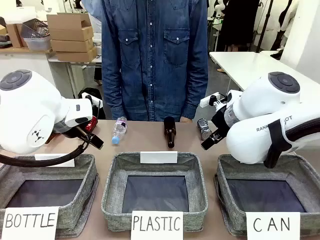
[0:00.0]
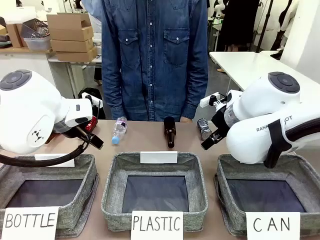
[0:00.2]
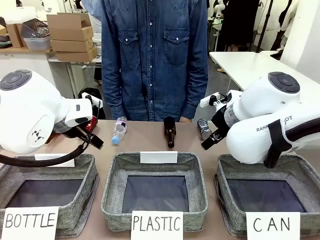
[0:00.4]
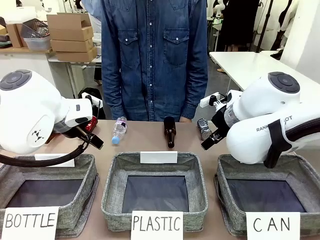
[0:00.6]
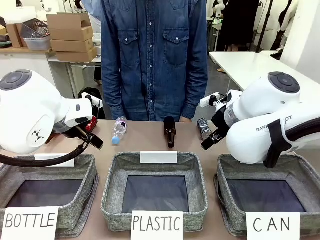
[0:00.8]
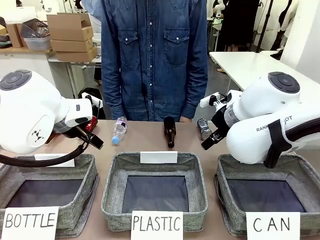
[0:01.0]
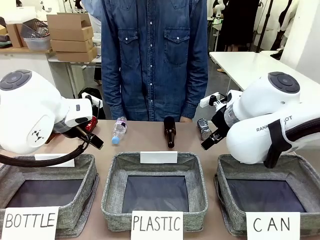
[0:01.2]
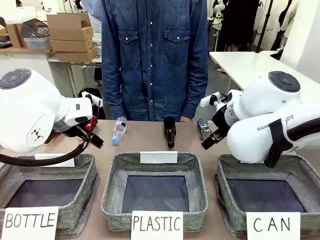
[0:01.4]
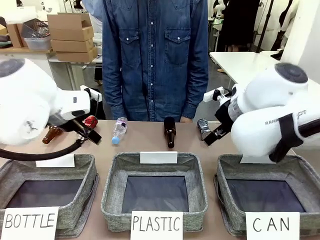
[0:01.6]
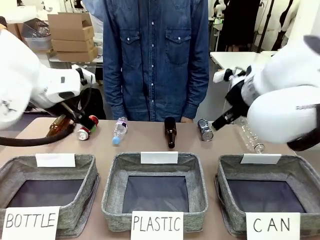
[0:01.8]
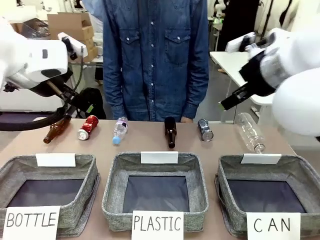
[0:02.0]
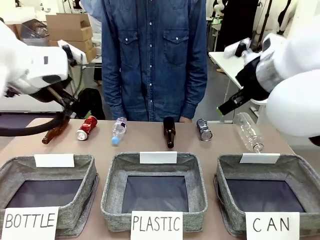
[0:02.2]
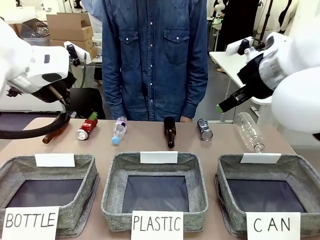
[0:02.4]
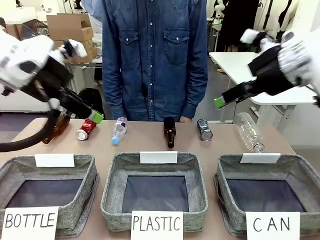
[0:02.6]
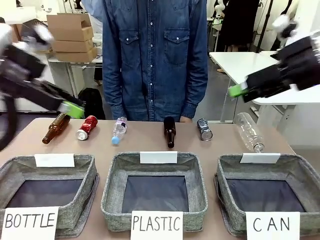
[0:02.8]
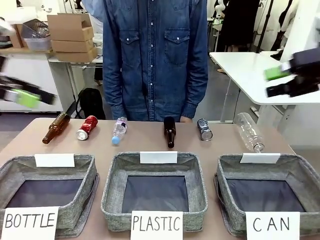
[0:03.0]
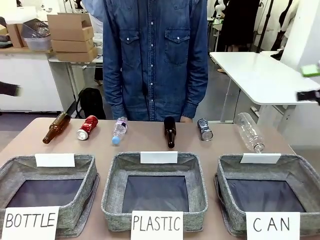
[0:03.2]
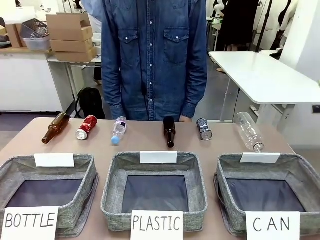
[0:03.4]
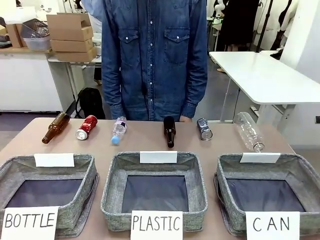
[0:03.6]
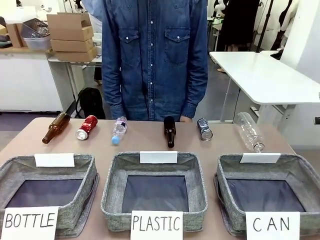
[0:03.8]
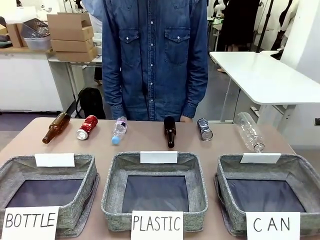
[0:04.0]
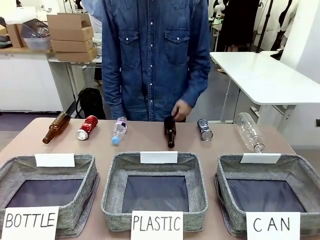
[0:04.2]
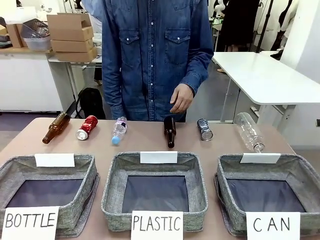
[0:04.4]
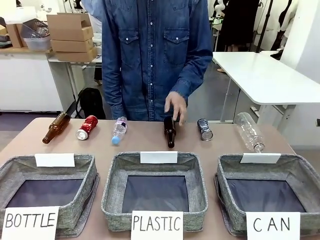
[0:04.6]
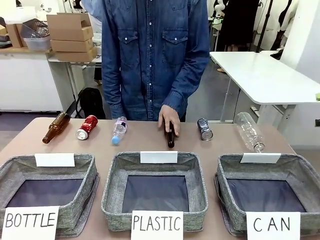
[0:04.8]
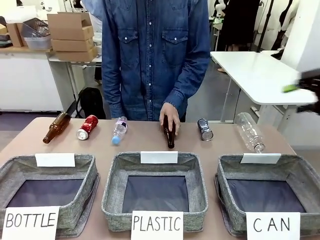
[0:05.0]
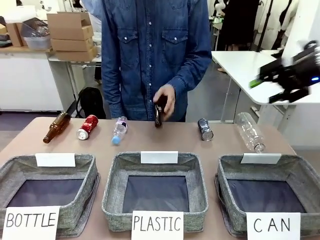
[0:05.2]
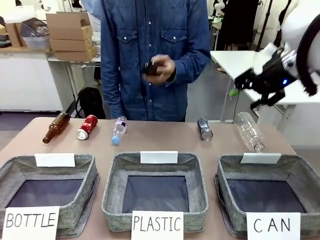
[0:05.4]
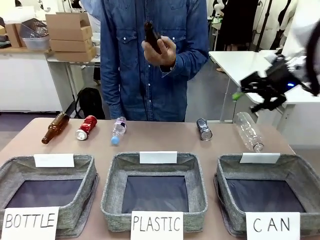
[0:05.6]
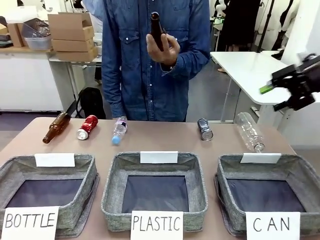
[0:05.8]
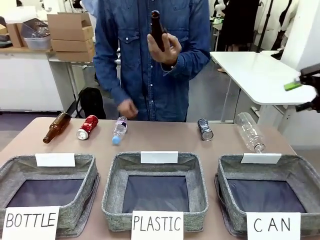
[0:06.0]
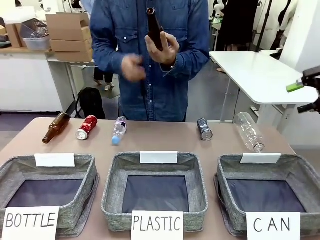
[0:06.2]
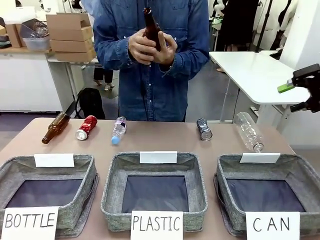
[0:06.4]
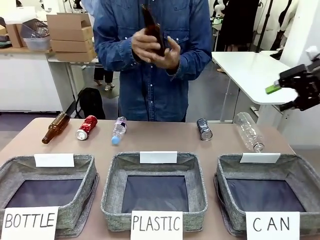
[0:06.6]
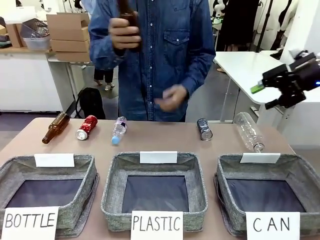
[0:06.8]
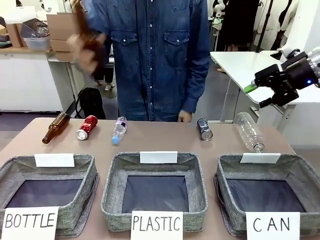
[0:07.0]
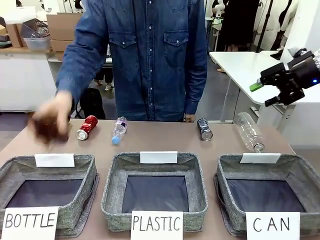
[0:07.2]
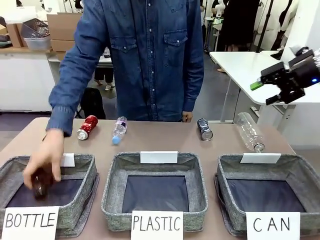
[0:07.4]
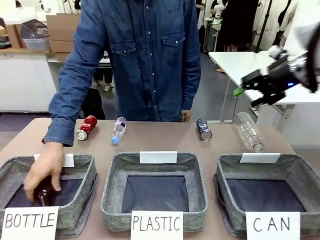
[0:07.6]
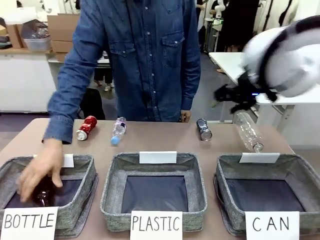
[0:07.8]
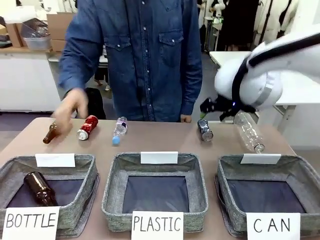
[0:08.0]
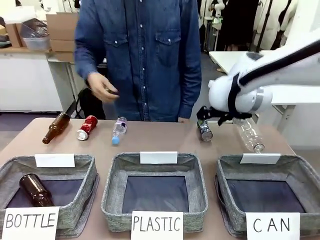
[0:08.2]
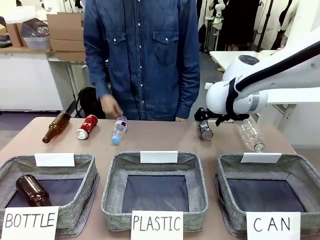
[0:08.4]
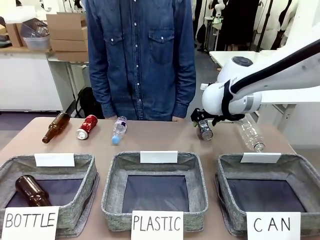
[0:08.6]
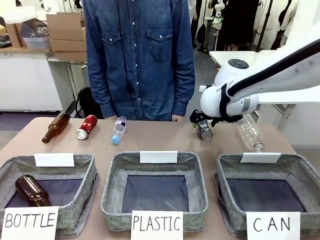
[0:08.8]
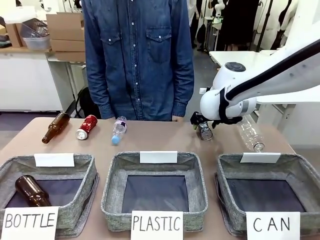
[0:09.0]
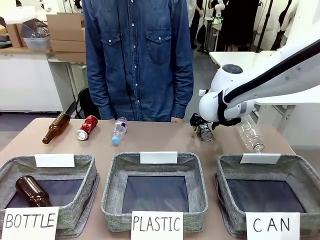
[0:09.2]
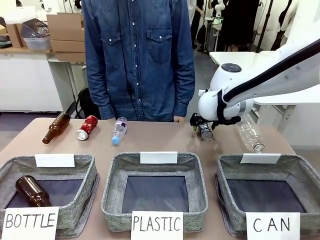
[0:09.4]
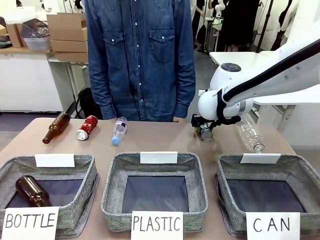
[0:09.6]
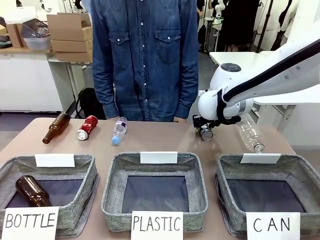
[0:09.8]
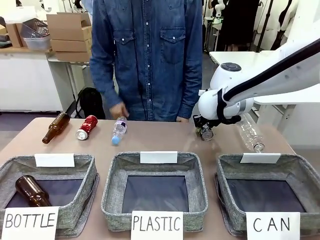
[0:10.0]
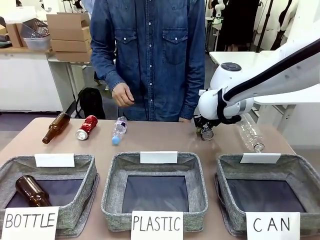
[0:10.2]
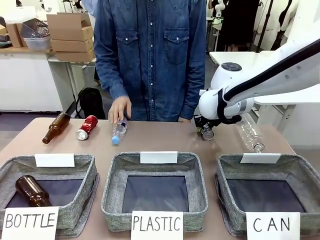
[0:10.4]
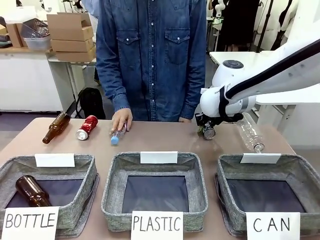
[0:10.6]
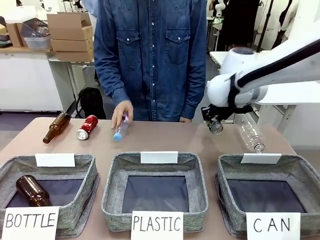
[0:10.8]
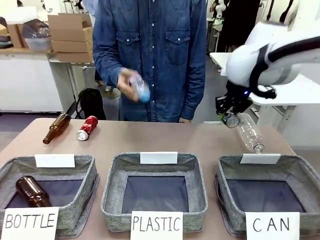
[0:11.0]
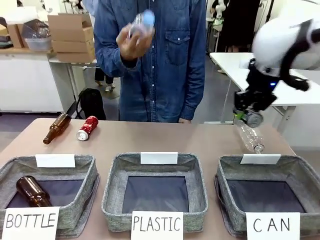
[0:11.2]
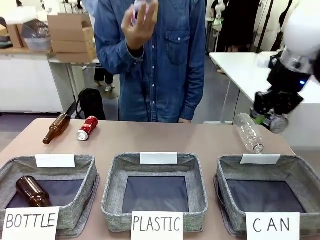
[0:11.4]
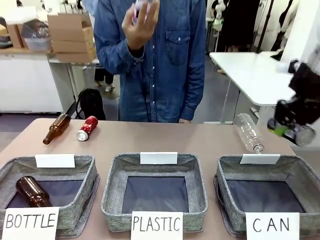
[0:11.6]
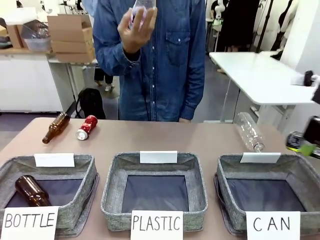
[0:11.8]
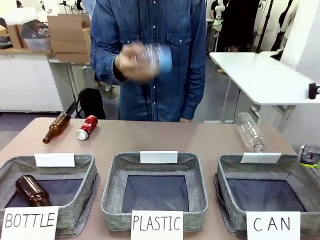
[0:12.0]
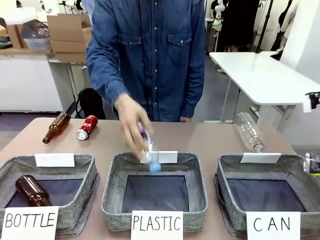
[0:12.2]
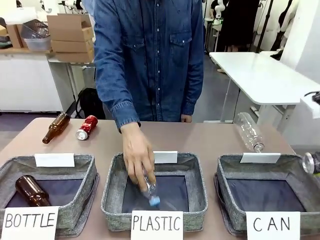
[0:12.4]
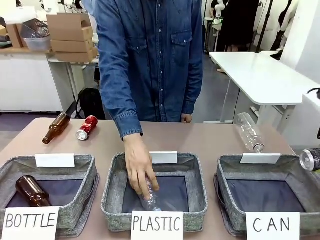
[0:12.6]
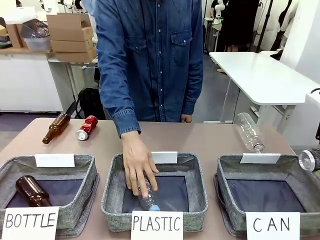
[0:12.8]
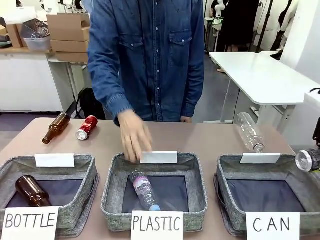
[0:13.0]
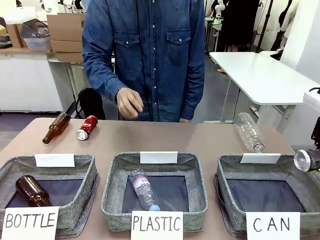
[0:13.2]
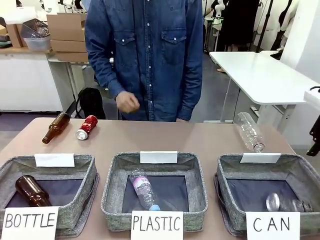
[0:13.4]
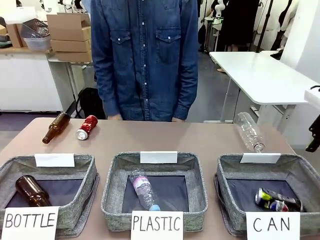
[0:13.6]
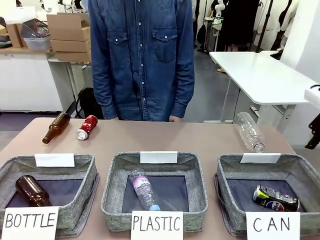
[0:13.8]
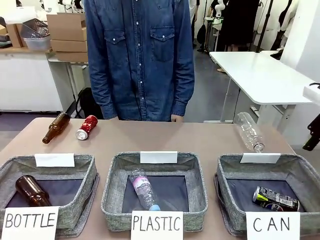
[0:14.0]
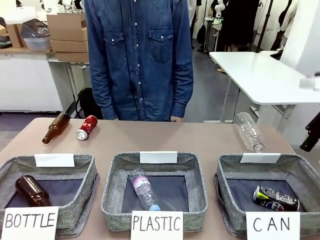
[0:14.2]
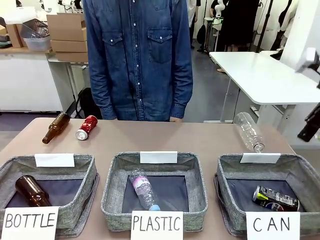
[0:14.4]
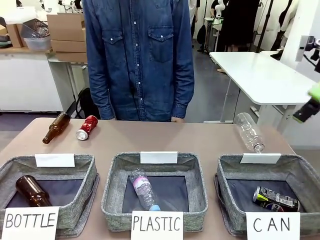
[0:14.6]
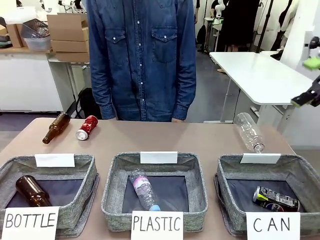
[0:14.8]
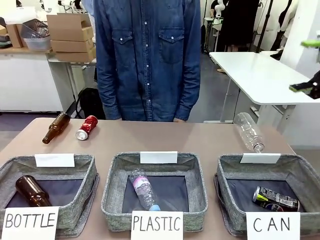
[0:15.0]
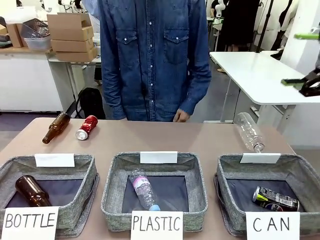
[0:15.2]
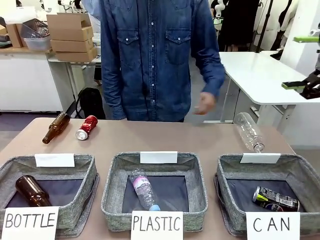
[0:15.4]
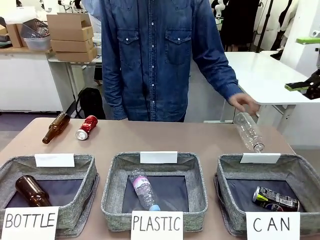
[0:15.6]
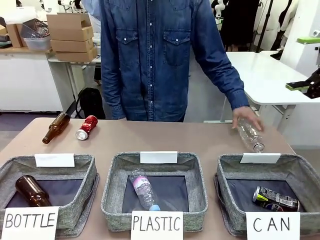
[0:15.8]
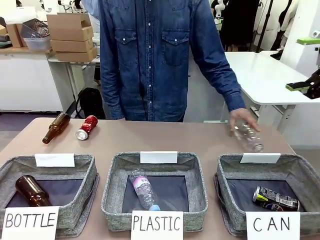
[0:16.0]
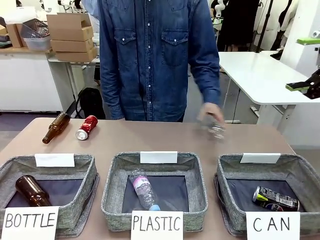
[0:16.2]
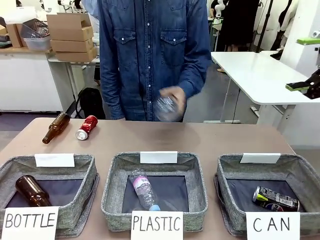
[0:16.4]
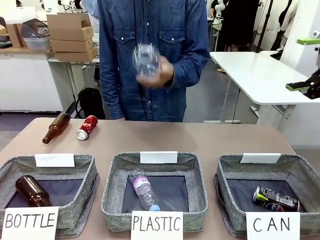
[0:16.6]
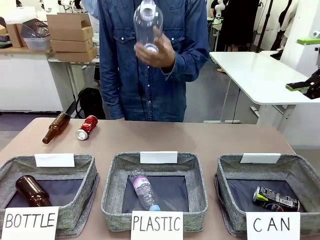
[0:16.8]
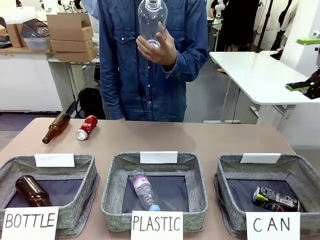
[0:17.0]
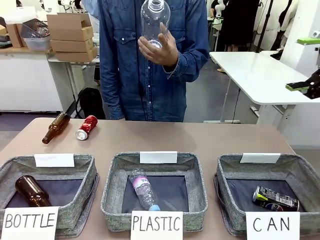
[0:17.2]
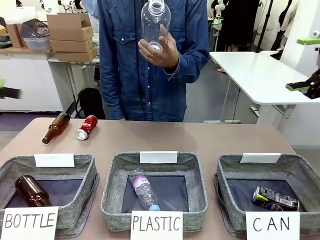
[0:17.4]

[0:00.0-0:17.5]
Task: Sort the can waste into the basket.
Robot: Pick up the can waste from the table and place it in the right Fabric basket.
